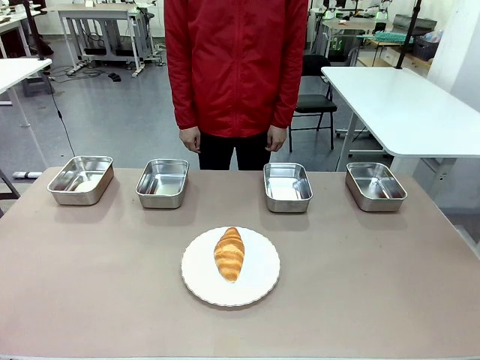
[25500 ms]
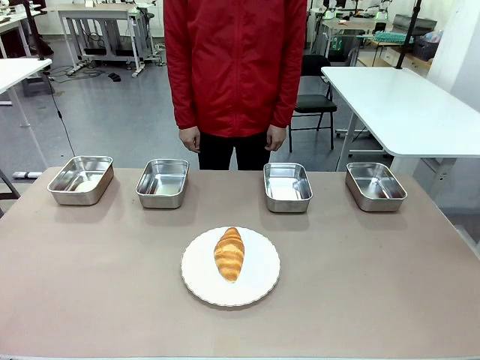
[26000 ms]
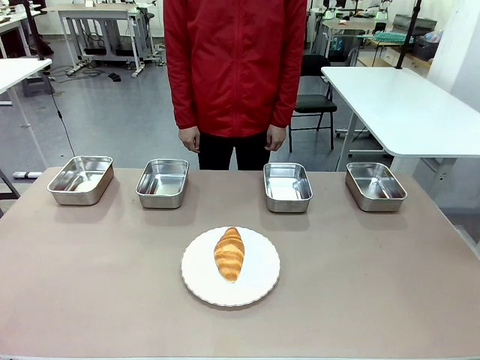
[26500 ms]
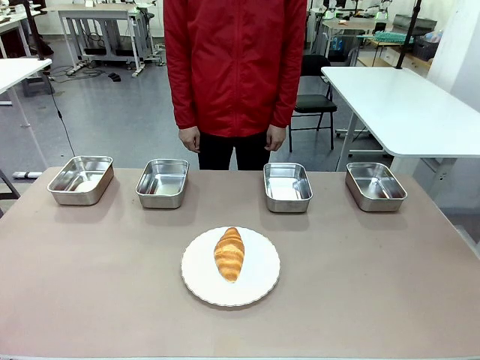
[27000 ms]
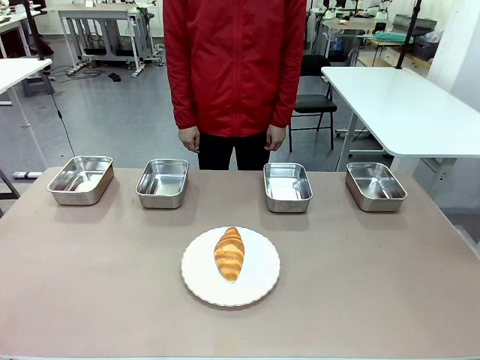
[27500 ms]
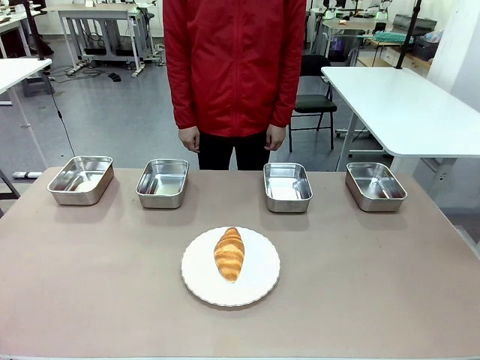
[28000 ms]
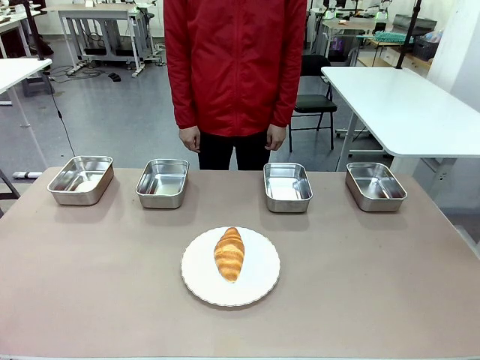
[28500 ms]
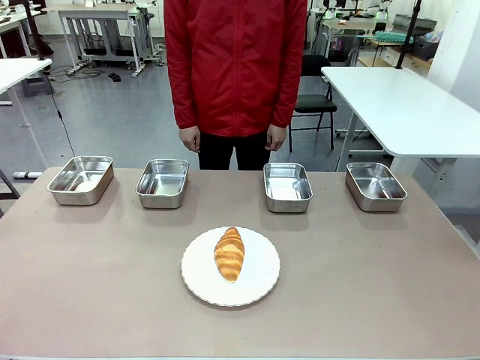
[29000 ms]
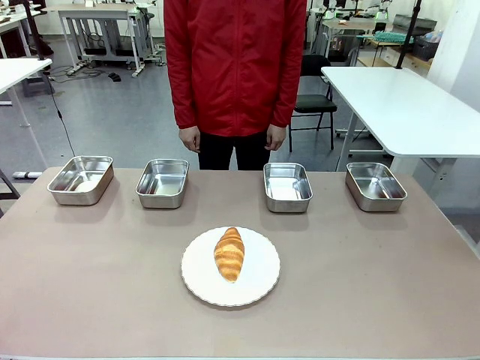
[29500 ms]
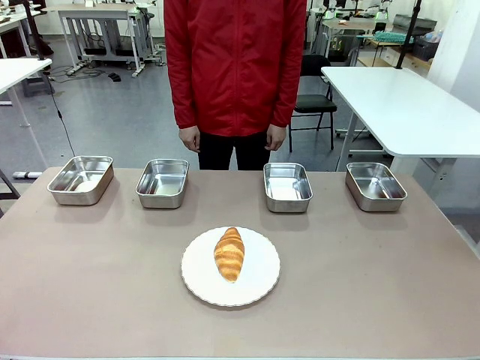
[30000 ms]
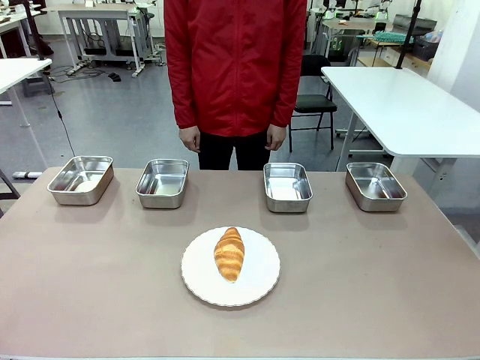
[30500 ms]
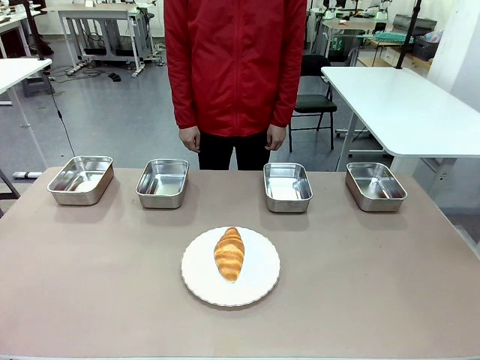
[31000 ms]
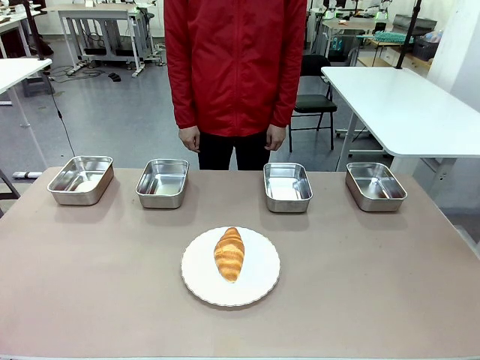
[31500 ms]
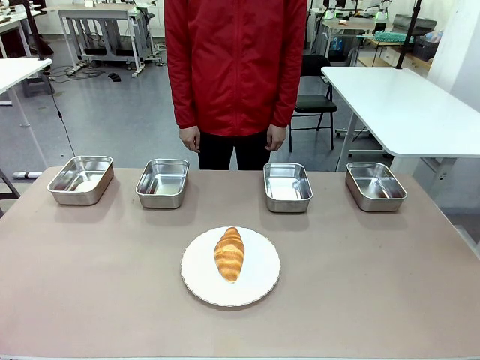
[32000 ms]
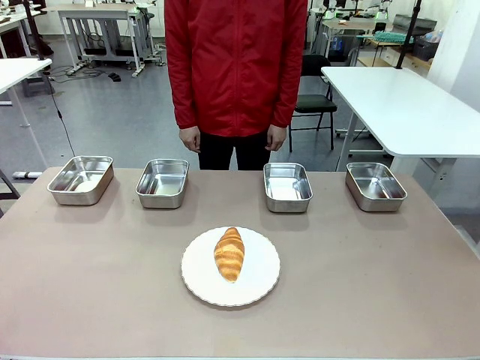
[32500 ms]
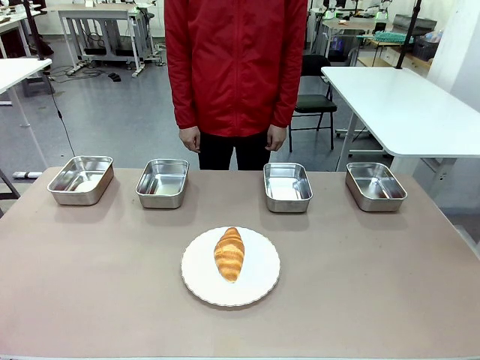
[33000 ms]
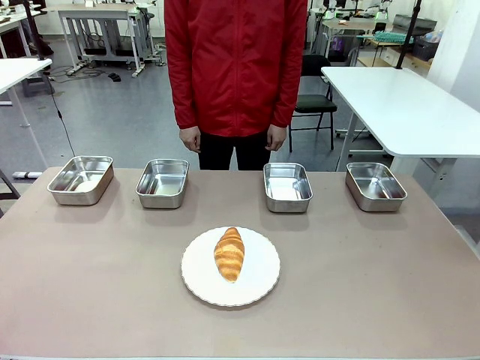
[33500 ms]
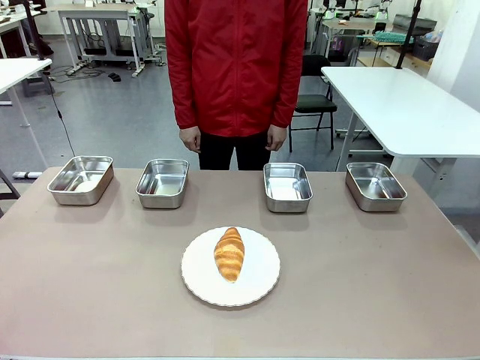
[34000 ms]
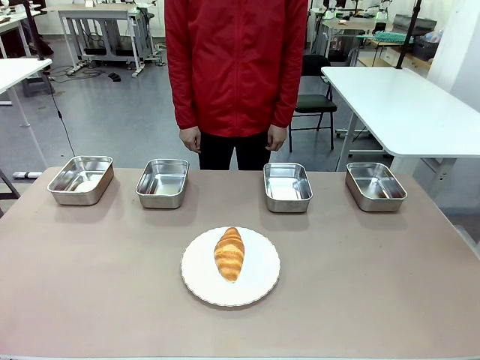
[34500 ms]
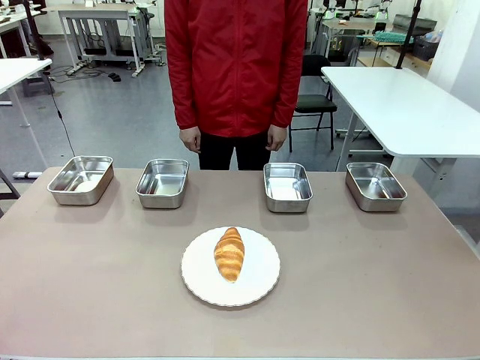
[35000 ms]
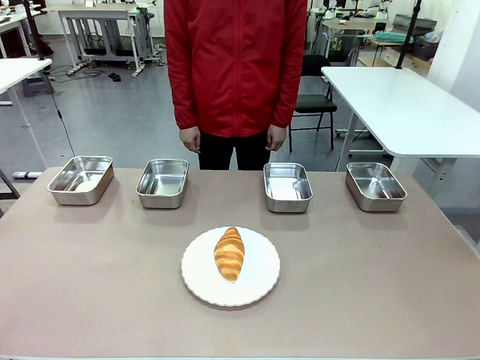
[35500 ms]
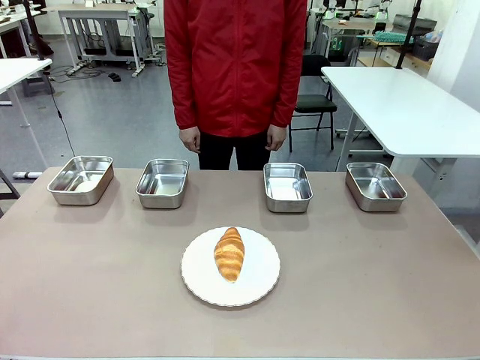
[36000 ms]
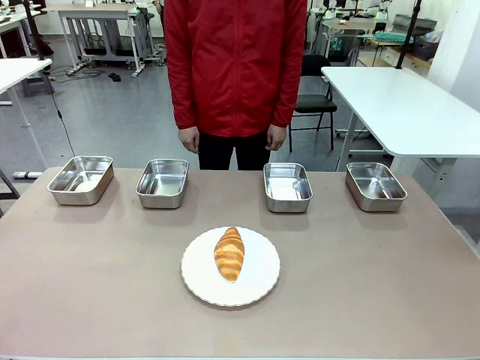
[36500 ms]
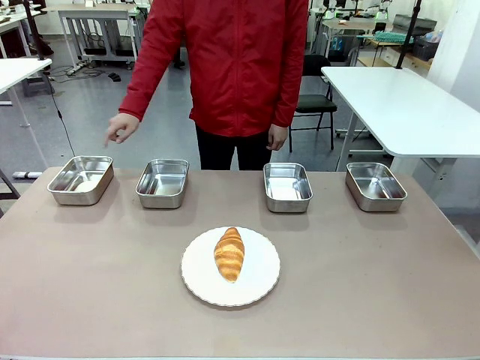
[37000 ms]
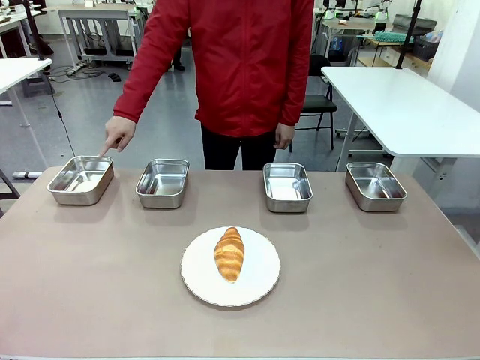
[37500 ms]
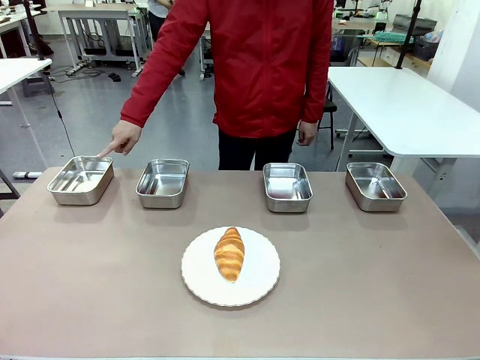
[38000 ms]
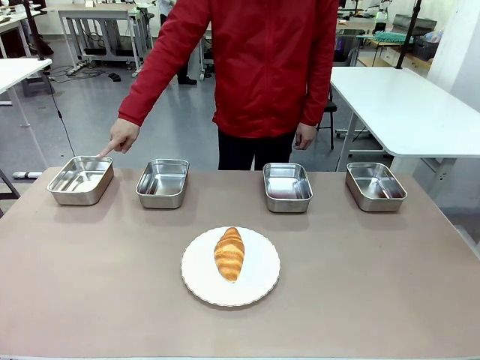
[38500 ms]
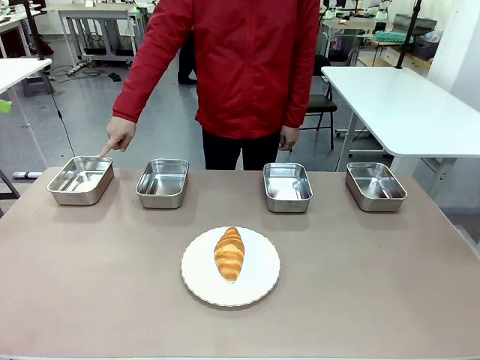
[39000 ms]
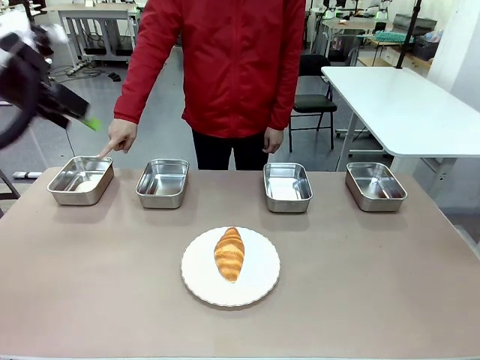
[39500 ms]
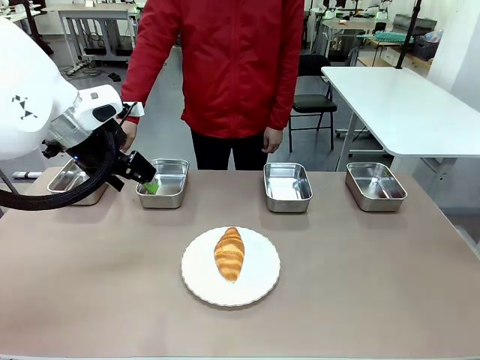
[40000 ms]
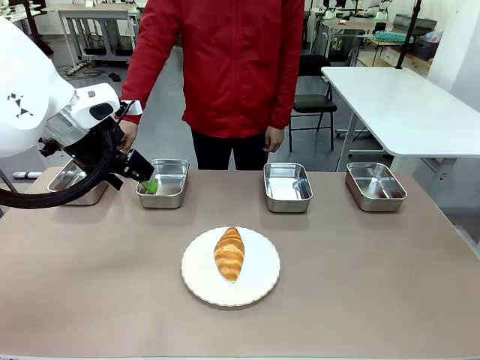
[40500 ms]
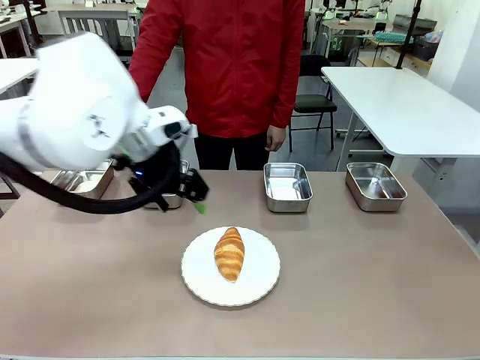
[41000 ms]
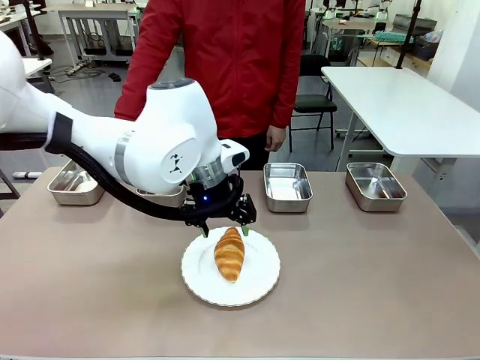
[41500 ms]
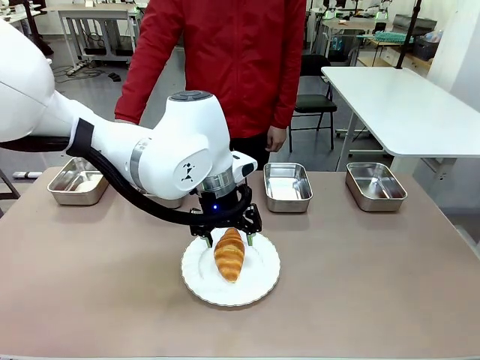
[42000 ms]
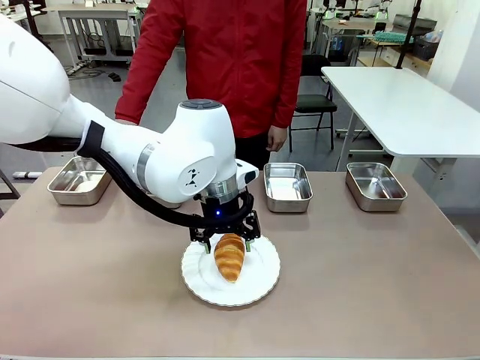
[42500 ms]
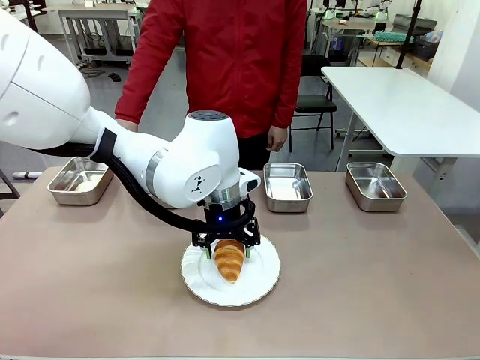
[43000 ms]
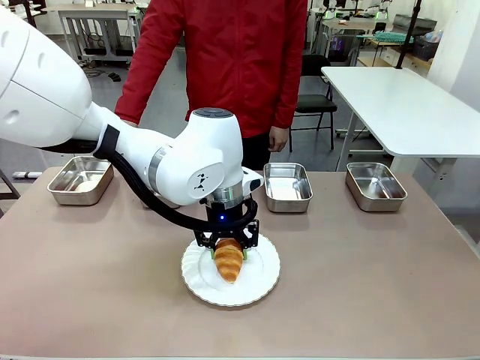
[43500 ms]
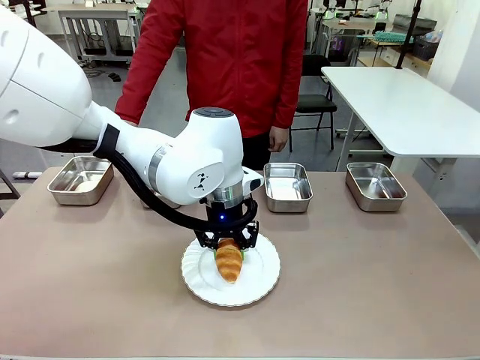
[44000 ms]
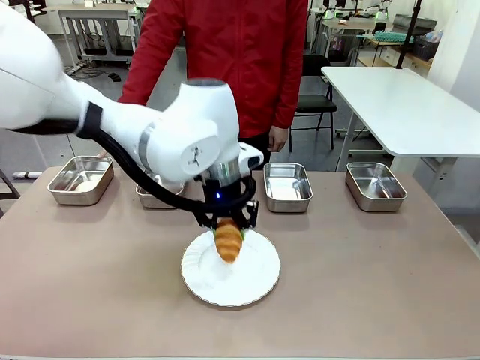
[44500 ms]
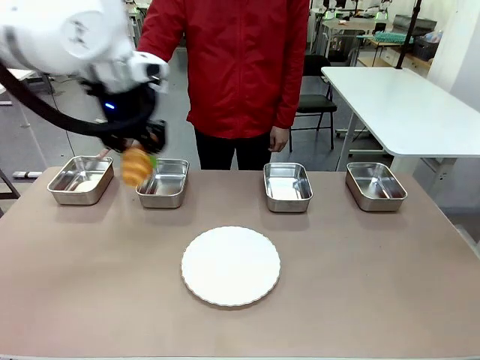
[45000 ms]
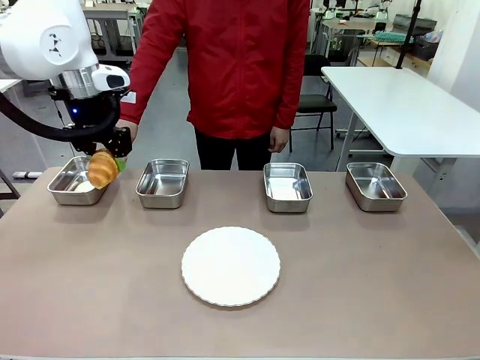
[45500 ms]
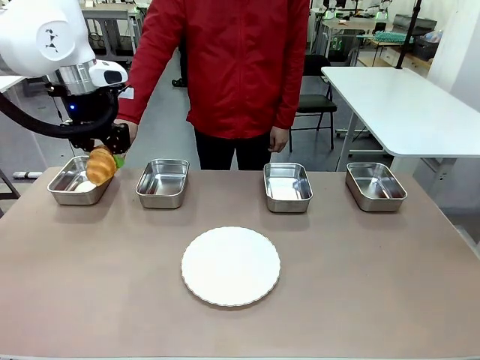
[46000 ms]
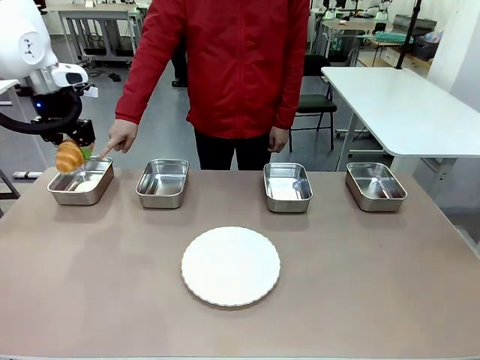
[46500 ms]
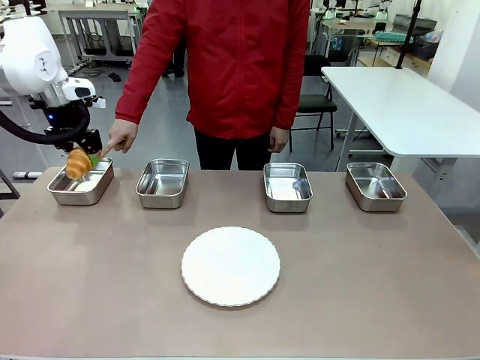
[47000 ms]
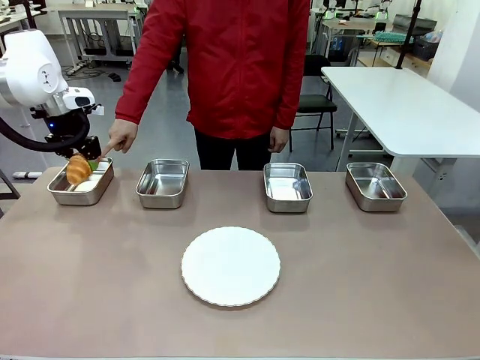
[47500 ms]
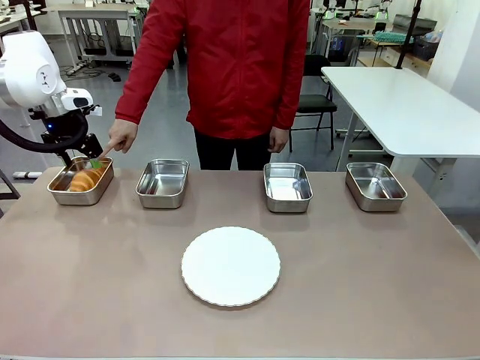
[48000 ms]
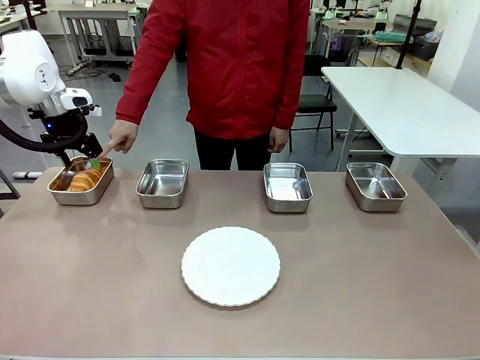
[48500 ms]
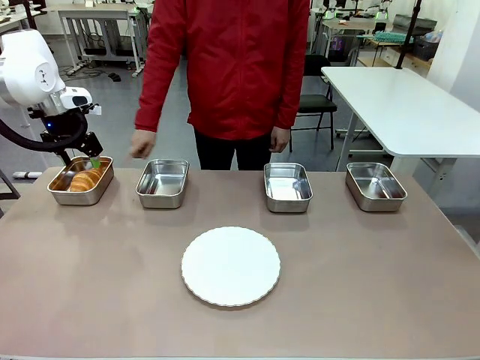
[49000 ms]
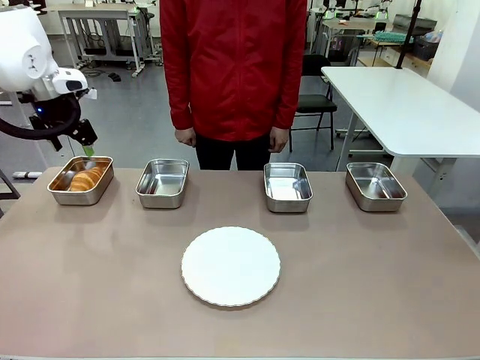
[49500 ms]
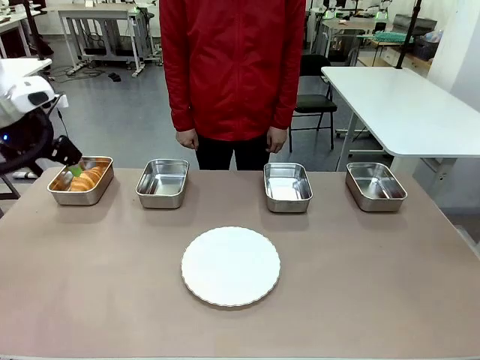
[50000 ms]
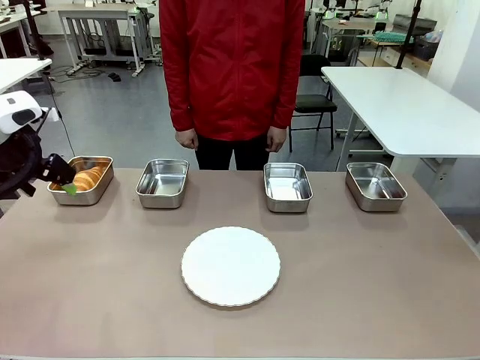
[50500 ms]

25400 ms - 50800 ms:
Task: Place the bread in the container.
Robot: Place the Butter Roll into the Airtight Container indicated by the human.
